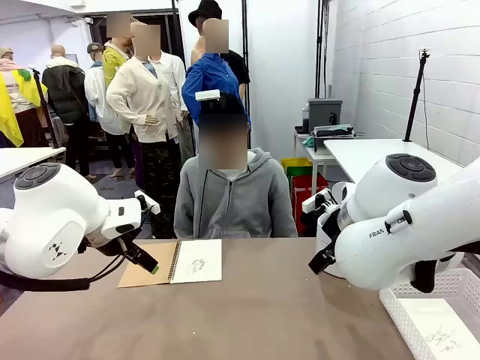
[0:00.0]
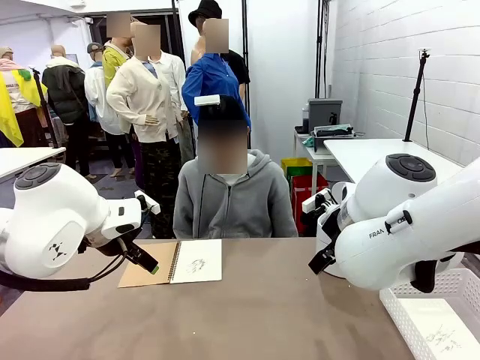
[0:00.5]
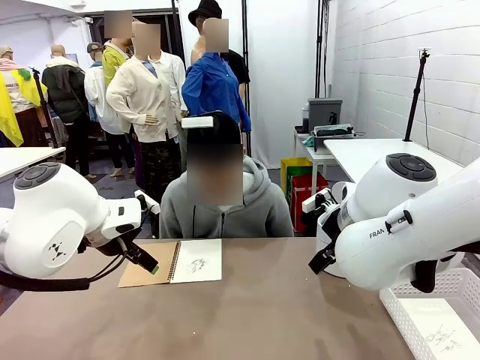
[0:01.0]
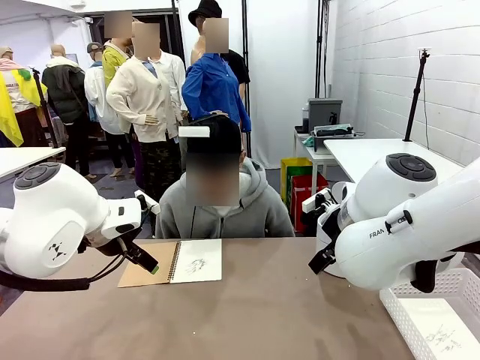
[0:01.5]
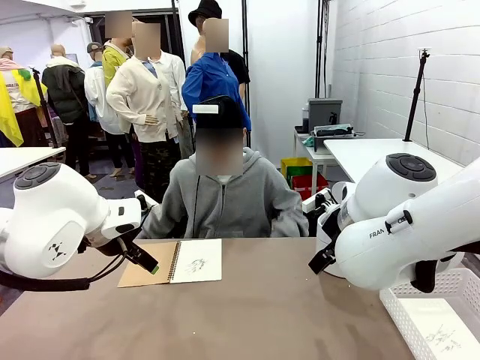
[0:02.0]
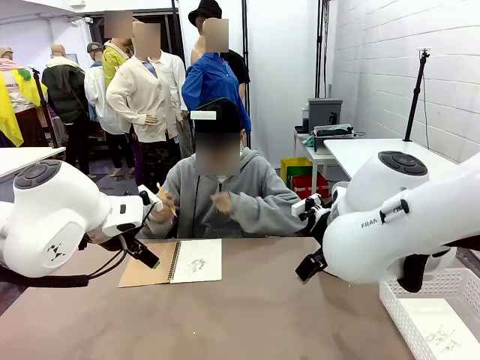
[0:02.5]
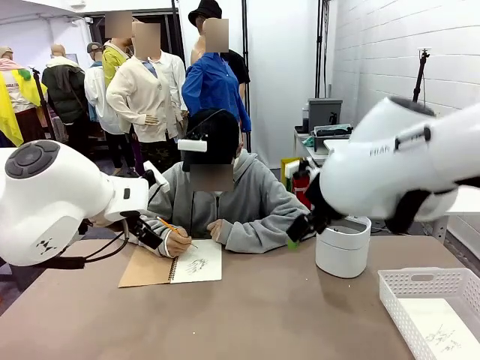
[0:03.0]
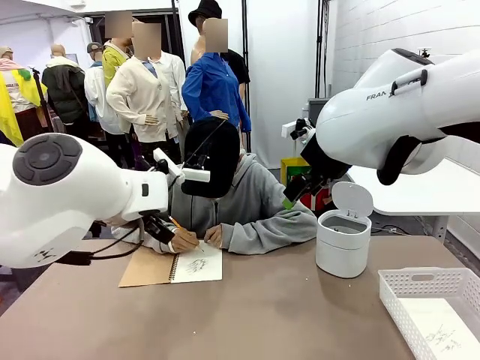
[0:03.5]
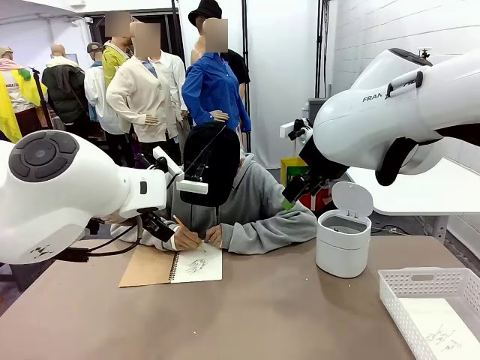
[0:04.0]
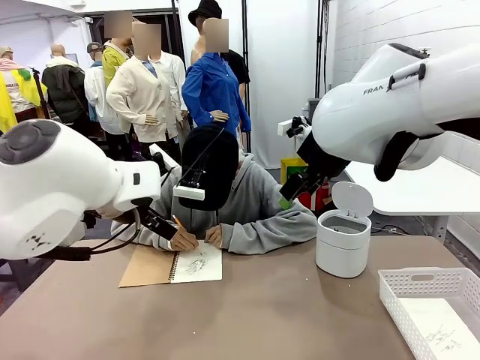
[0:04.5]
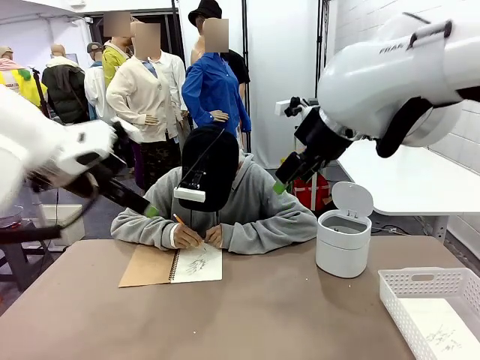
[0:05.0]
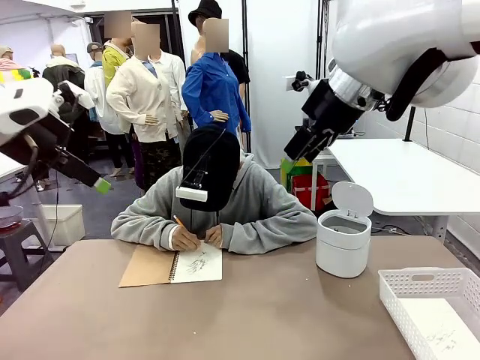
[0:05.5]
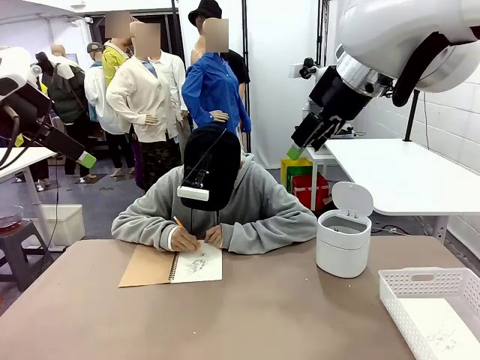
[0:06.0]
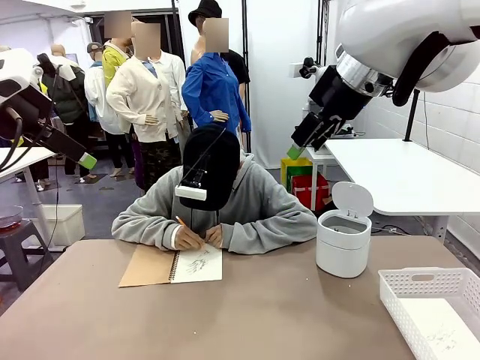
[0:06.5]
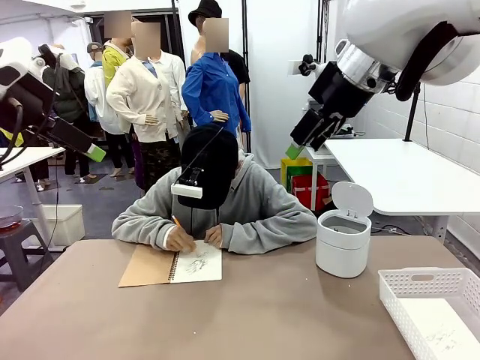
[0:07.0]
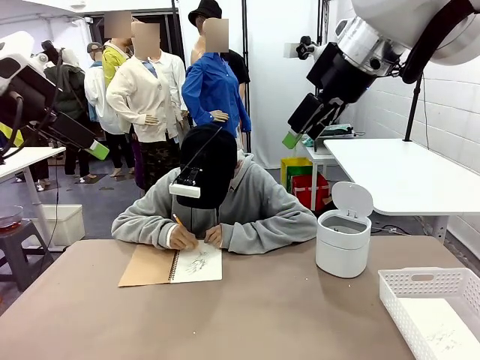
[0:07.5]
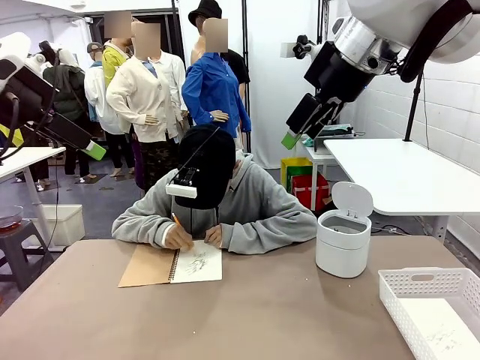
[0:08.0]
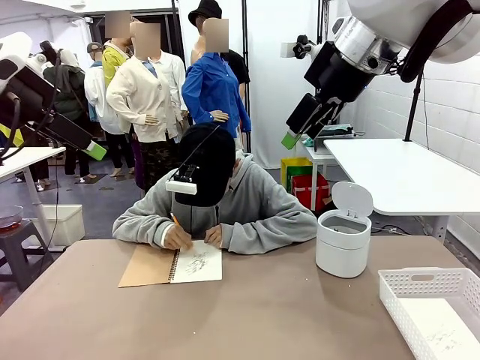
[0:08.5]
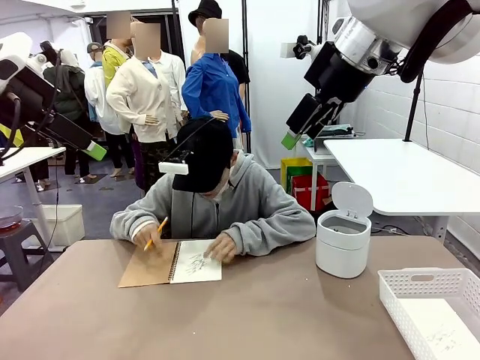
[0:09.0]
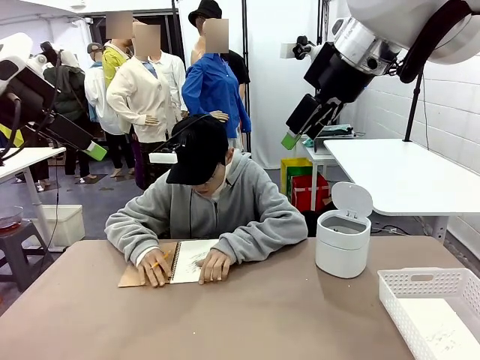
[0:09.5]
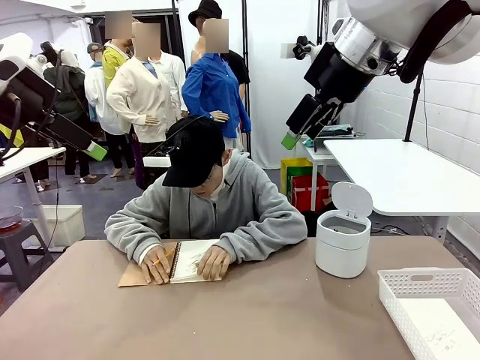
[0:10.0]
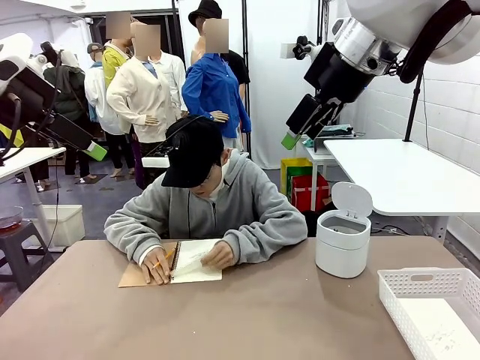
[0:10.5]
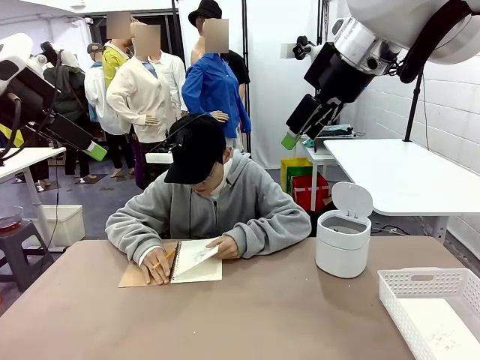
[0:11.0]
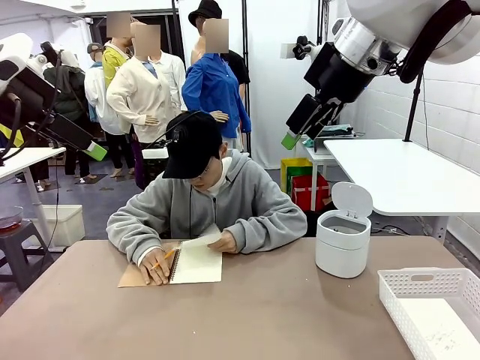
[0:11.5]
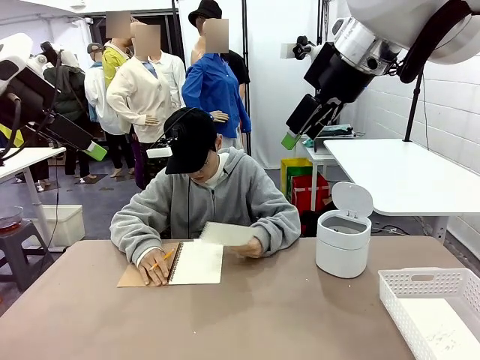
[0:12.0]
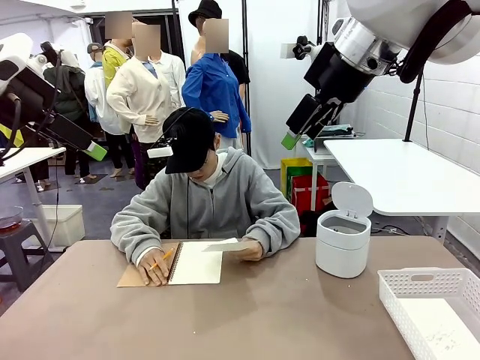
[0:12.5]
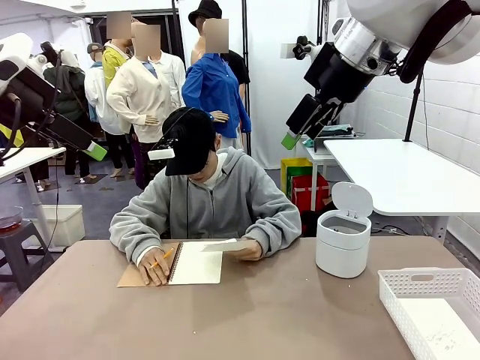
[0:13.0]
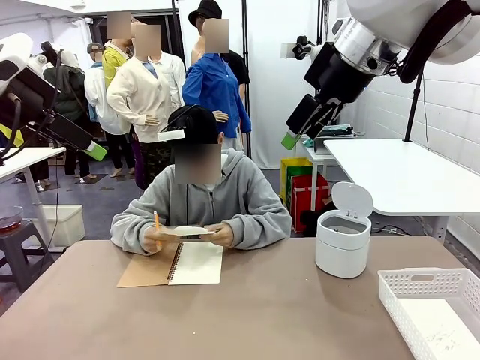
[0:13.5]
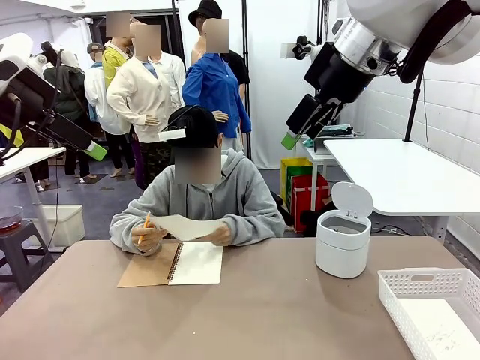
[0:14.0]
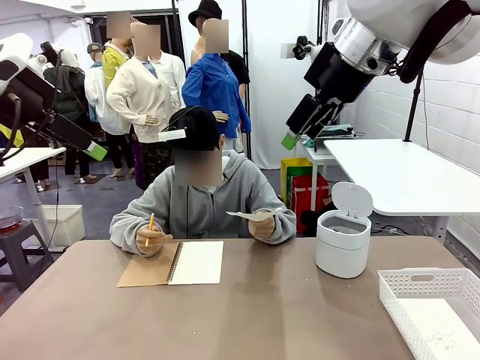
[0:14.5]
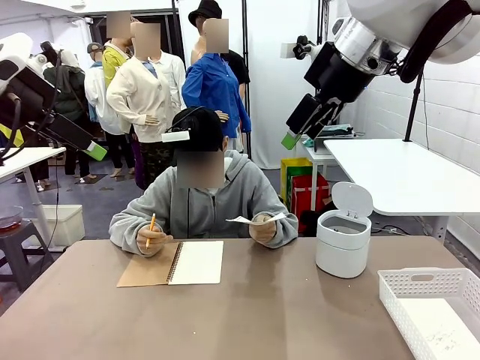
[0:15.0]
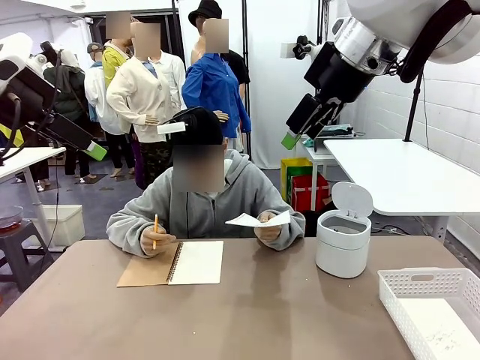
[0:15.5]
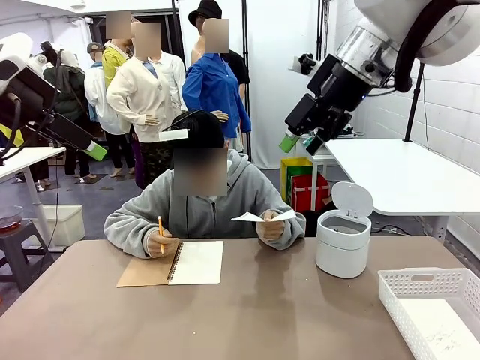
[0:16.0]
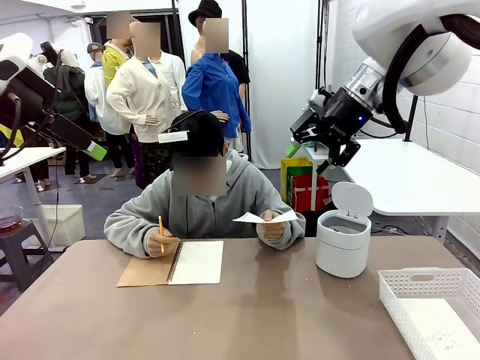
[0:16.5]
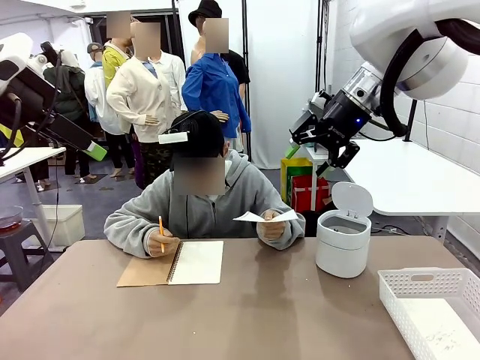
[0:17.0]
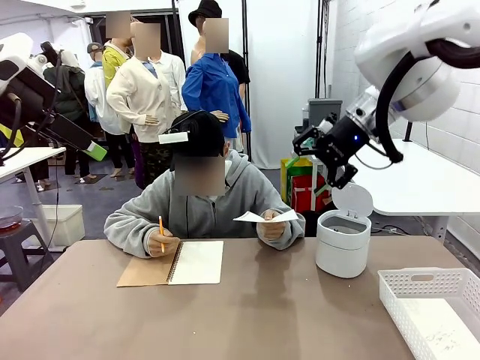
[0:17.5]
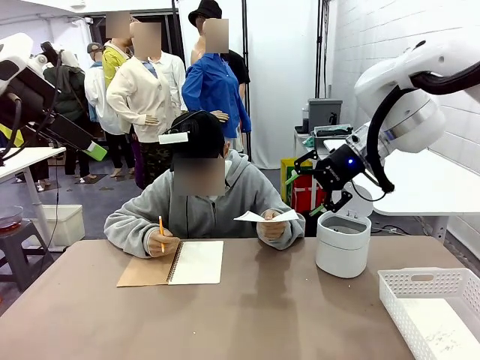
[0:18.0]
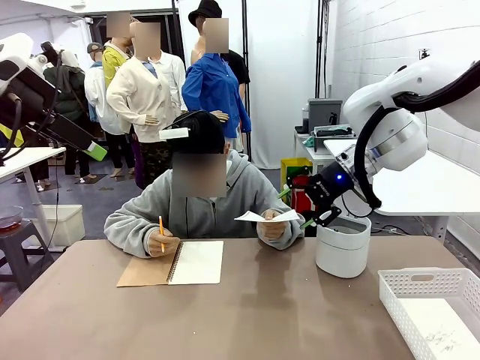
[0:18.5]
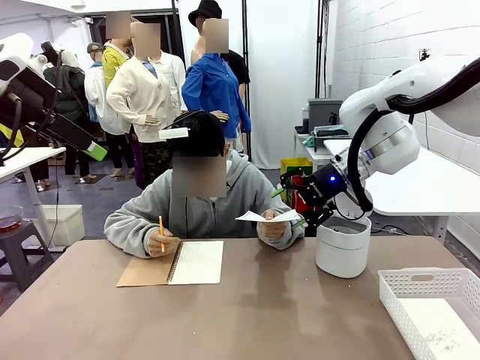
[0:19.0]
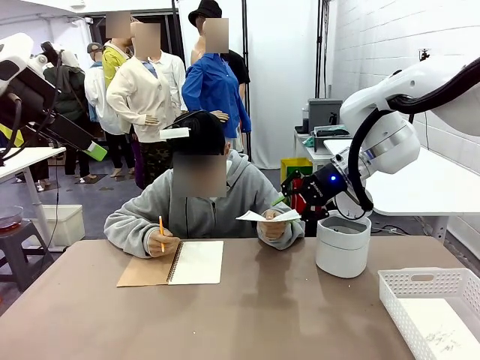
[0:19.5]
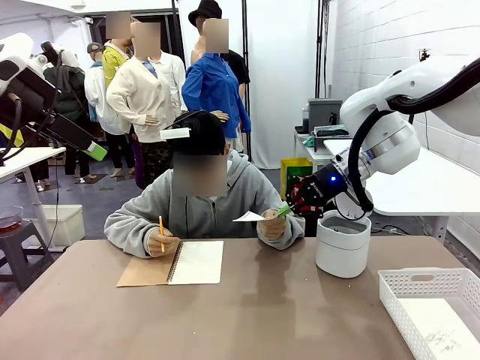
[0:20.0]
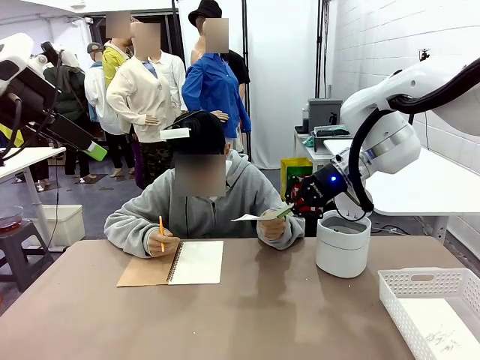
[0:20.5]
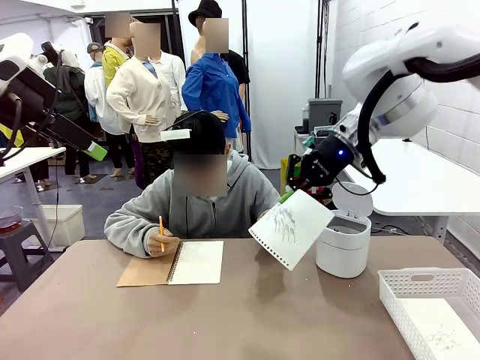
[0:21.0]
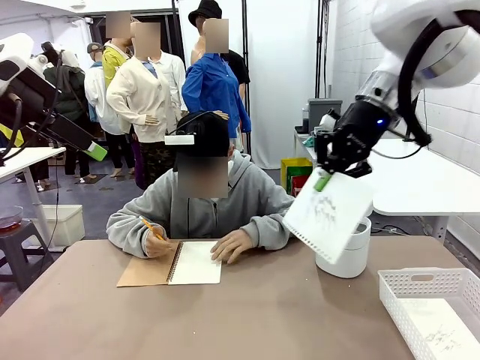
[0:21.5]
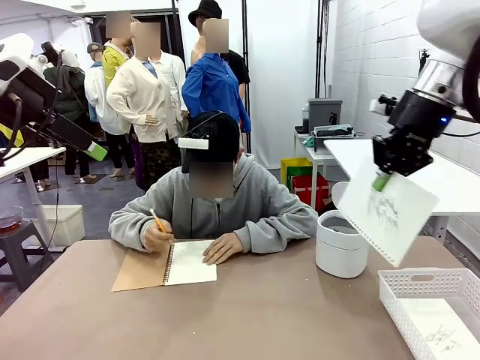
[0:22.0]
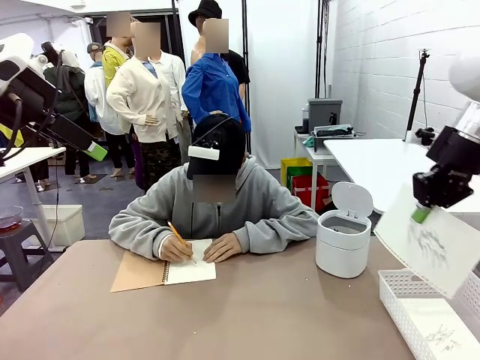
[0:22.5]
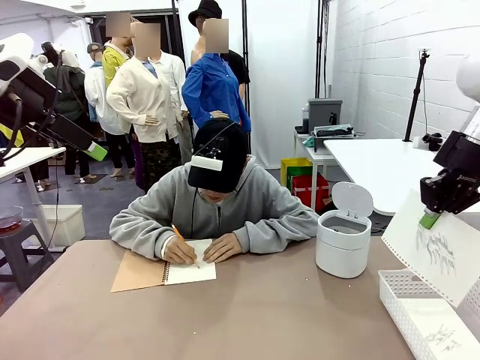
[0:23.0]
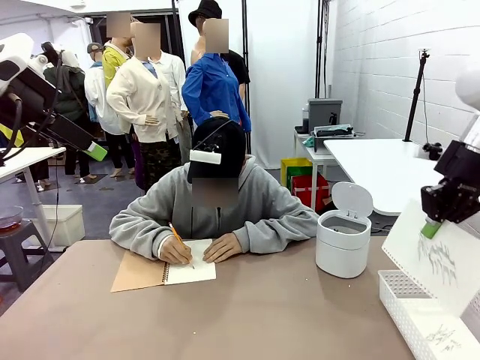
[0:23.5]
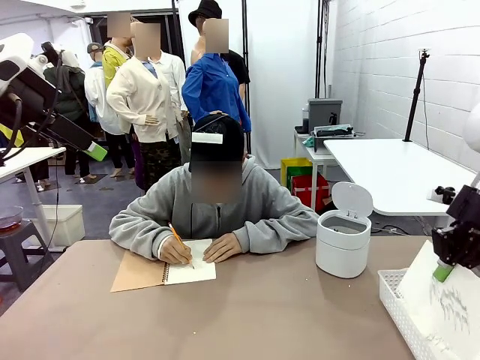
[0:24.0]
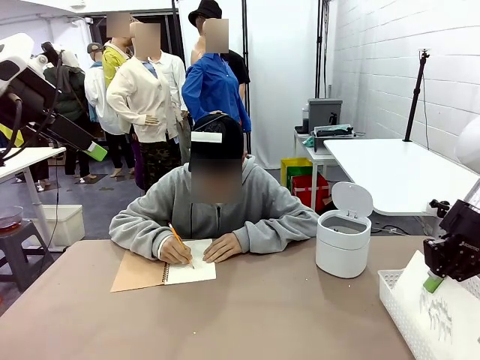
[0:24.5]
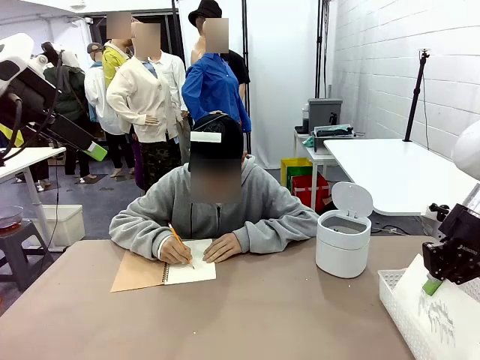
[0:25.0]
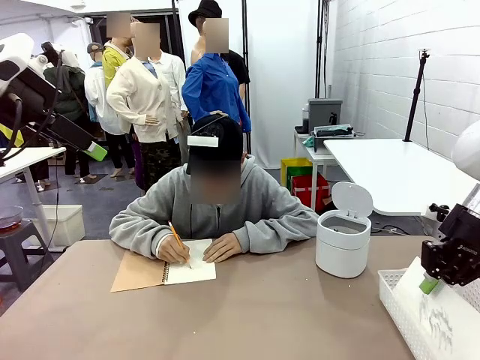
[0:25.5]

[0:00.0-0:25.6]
Task: Sort the paper based on its condition.
Robot: If a person hands you a paper, place it in the Organizing basket , and if it's crumpled, put it in the Trash can.
Person: Tear out a page from the spiral notebook. Hand the torn page to the robot or crumple it and throw it to the center of the table.
